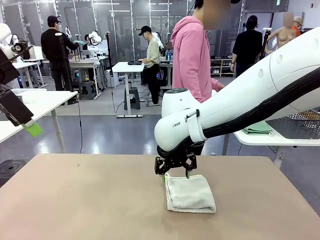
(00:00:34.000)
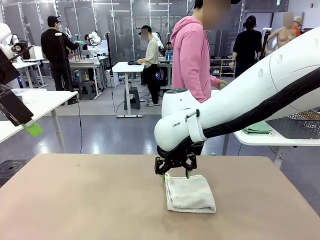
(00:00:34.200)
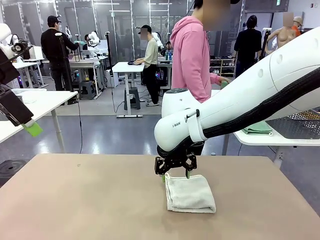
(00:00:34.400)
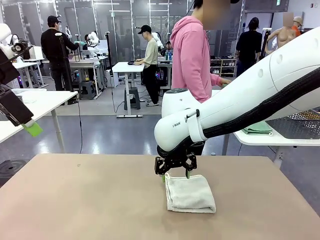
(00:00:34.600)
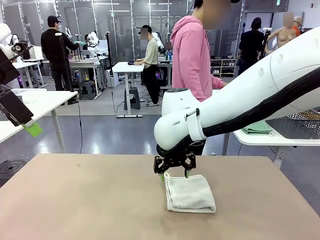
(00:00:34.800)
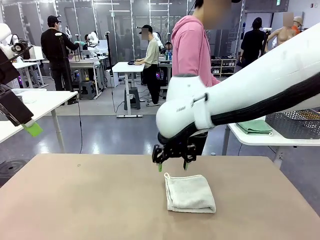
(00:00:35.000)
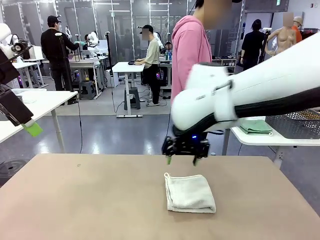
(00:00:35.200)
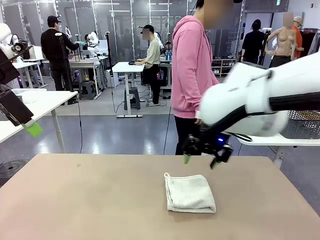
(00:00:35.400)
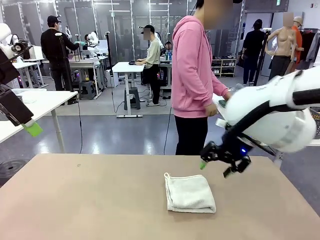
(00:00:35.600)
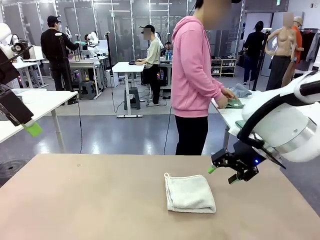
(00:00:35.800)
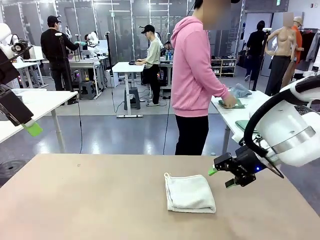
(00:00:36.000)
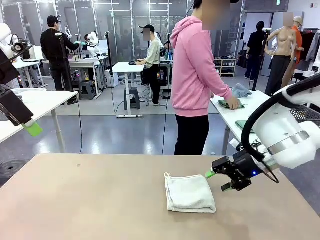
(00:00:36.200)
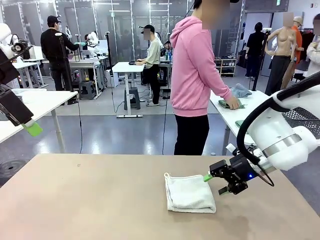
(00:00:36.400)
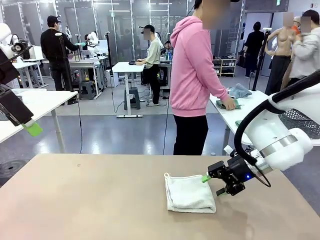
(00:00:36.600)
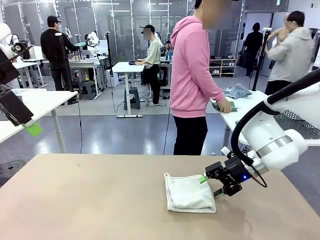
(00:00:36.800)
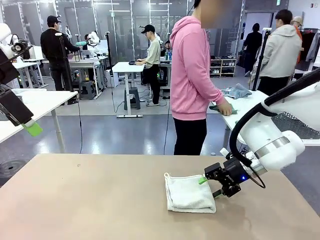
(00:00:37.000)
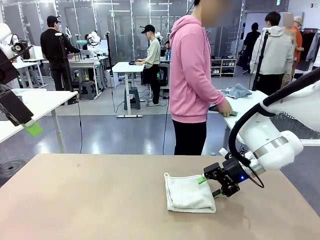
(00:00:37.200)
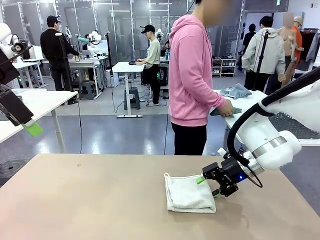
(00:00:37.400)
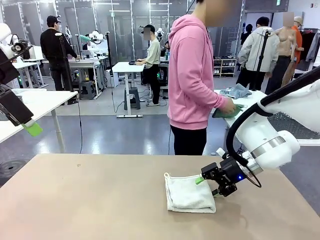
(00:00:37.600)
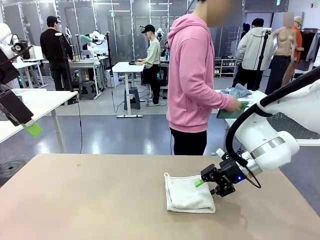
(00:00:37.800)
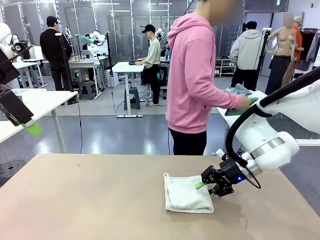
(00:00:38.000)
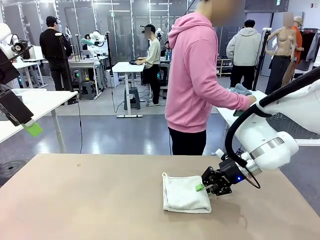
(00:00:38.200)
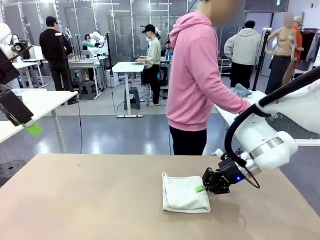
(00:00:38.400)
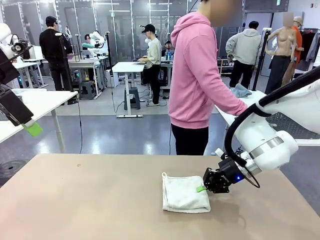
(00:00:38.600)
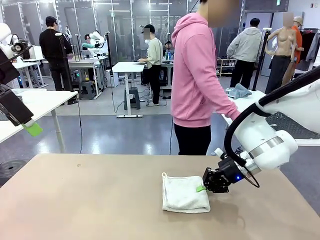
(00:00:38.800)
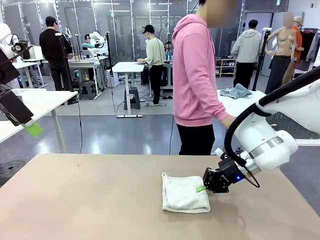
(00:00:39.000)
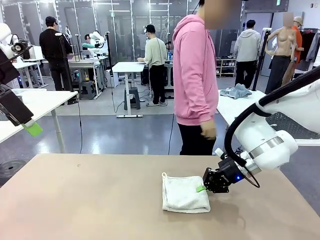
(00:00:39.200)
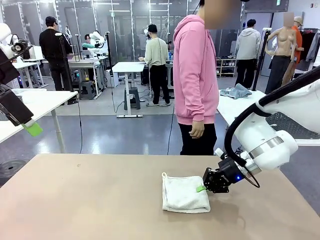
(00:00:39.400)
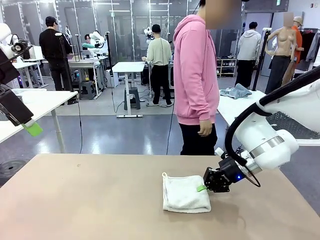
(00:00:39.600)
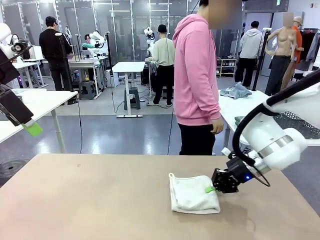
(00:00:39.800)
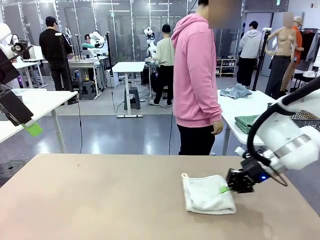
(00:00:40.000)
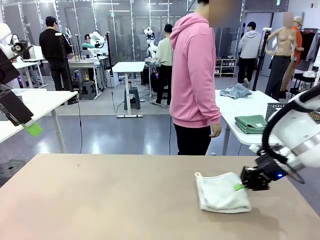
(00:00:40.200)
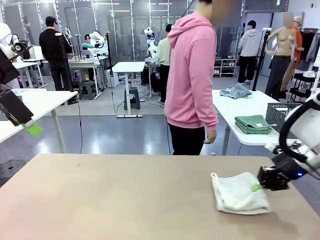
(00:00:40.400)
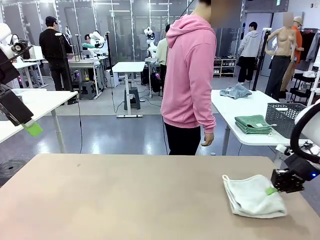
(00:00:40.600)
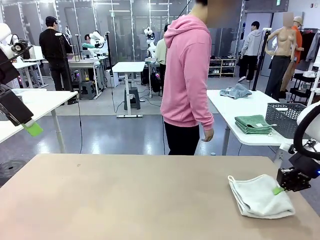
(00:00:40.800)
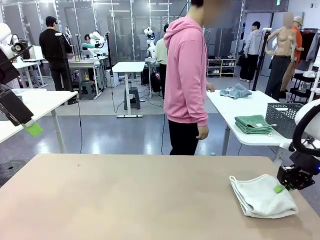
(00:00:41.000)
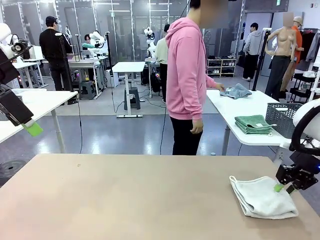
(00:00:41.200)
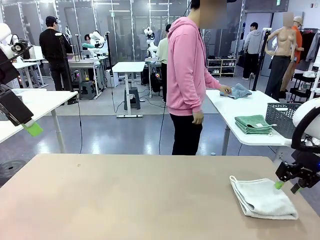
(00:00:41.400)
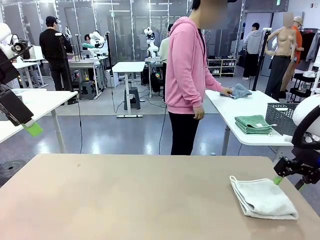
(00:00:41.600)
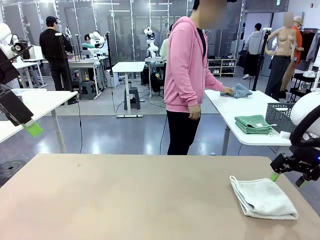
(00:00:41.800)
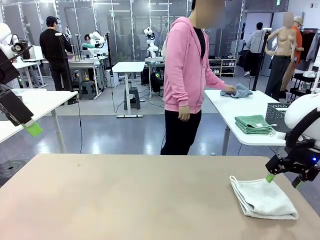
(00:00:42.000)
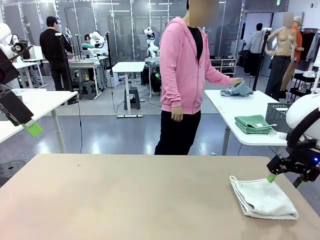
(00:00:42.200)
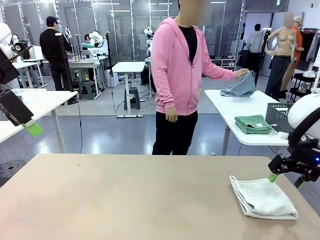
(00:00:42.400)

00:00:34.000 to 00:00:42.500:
Task: Fold the towels and place them in the basket.
Robot: Place the folded Towel with hook on the right side of the table.

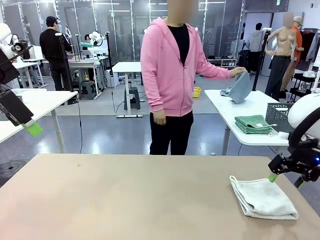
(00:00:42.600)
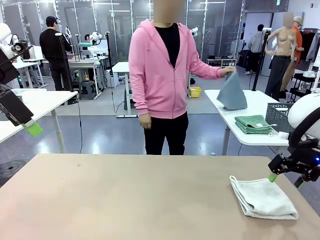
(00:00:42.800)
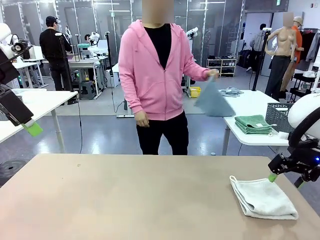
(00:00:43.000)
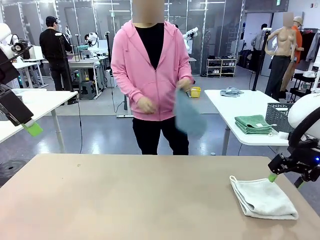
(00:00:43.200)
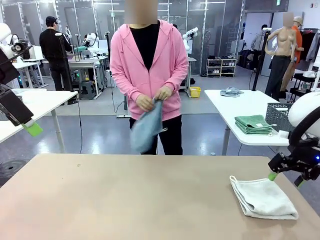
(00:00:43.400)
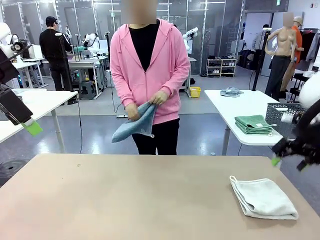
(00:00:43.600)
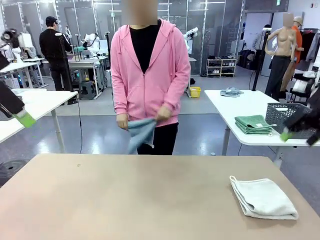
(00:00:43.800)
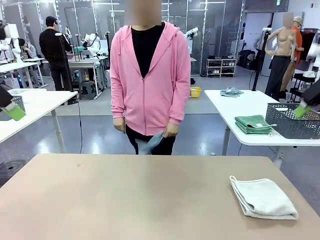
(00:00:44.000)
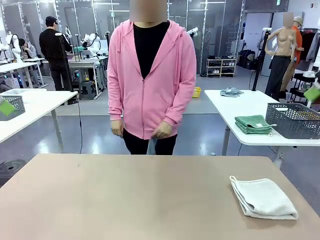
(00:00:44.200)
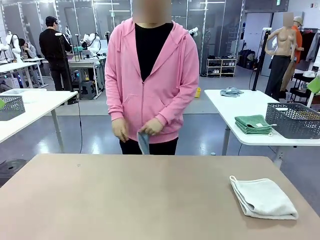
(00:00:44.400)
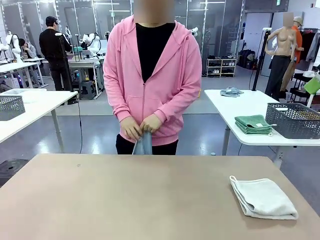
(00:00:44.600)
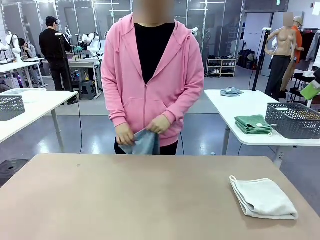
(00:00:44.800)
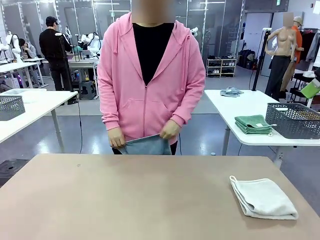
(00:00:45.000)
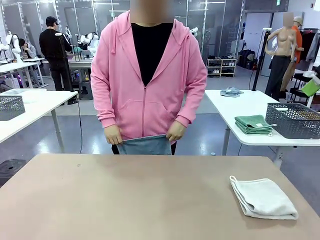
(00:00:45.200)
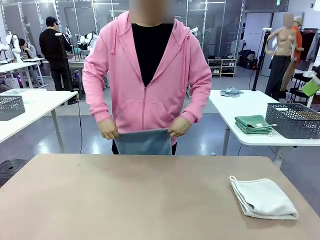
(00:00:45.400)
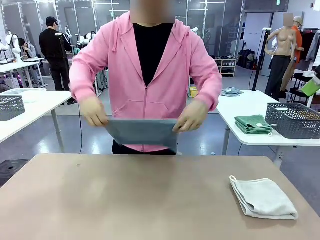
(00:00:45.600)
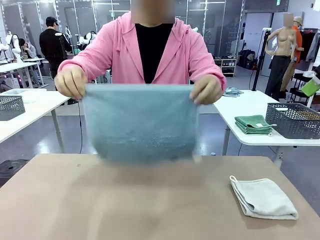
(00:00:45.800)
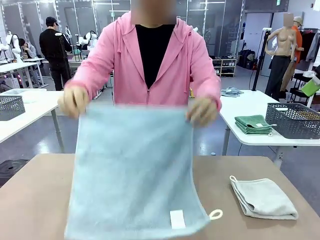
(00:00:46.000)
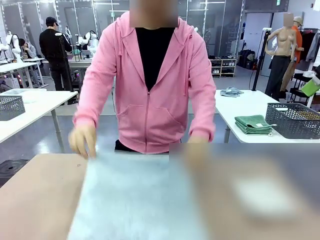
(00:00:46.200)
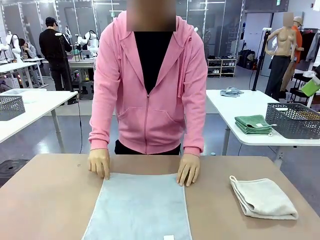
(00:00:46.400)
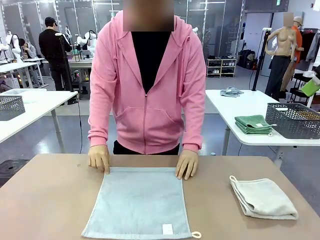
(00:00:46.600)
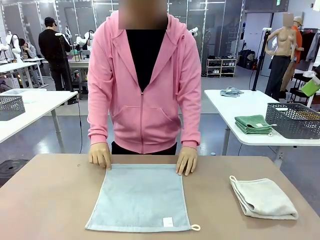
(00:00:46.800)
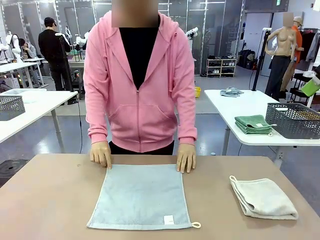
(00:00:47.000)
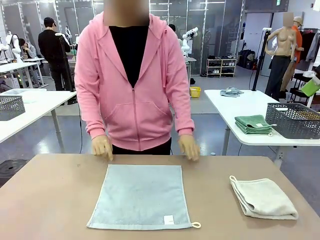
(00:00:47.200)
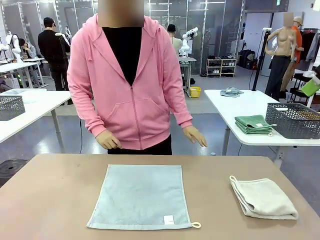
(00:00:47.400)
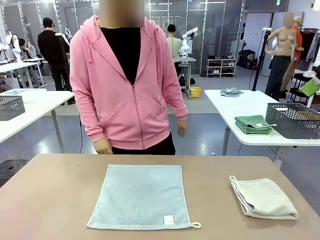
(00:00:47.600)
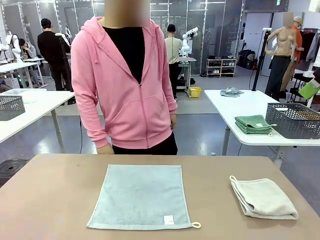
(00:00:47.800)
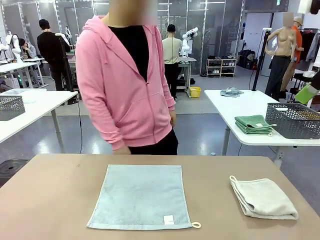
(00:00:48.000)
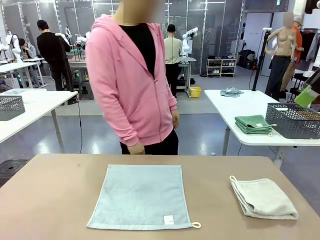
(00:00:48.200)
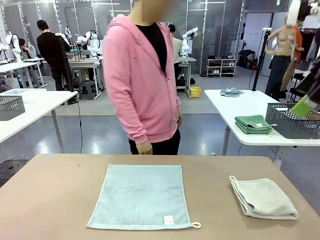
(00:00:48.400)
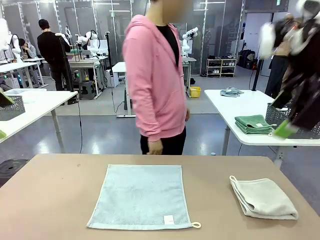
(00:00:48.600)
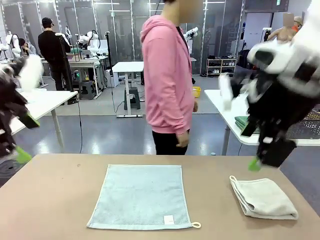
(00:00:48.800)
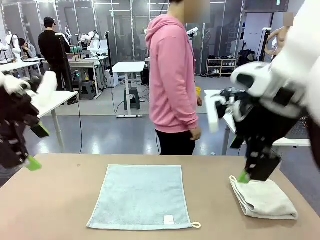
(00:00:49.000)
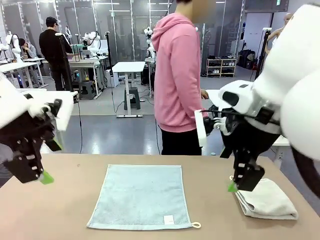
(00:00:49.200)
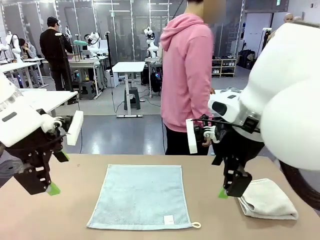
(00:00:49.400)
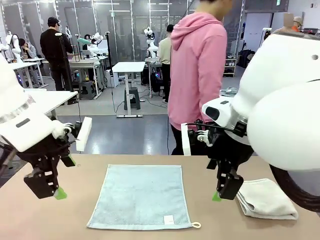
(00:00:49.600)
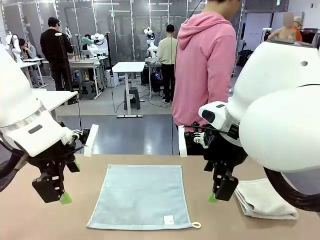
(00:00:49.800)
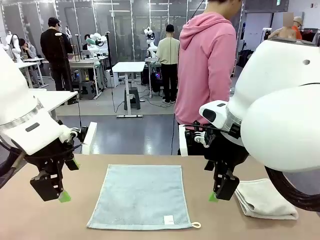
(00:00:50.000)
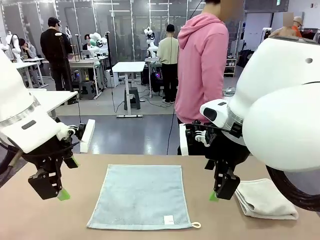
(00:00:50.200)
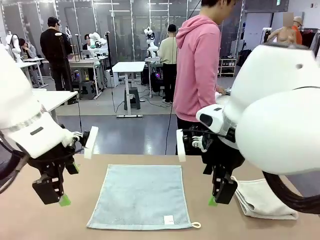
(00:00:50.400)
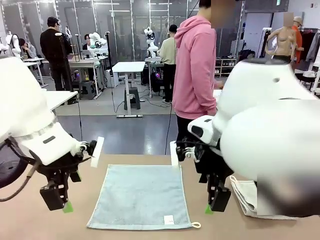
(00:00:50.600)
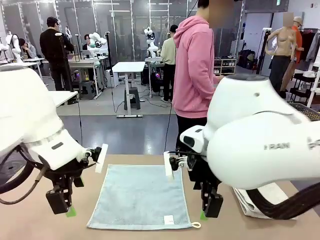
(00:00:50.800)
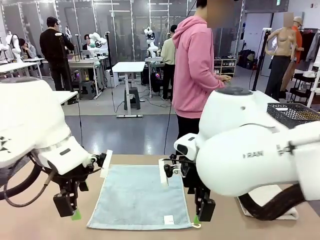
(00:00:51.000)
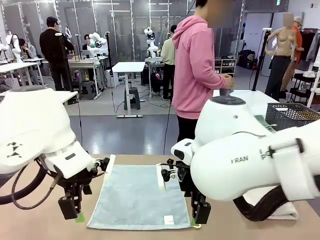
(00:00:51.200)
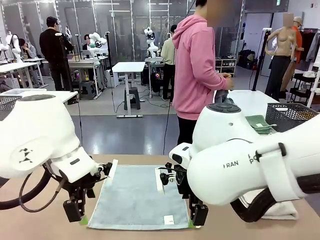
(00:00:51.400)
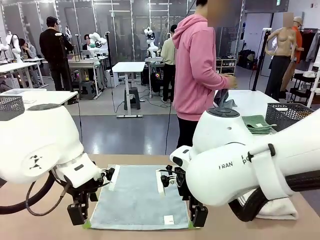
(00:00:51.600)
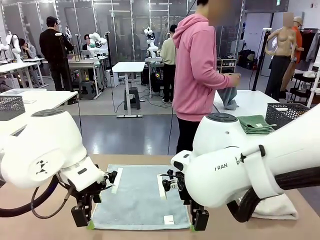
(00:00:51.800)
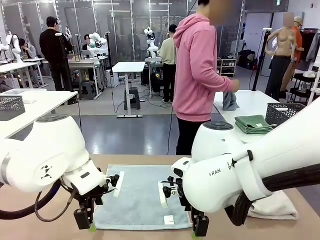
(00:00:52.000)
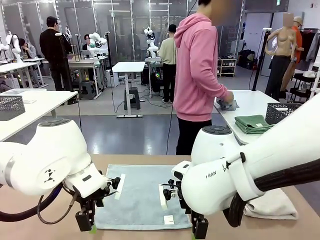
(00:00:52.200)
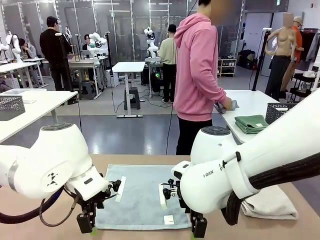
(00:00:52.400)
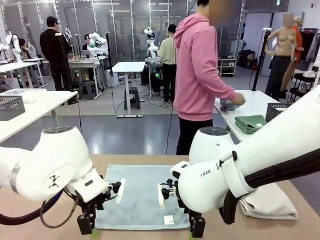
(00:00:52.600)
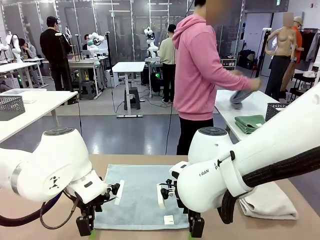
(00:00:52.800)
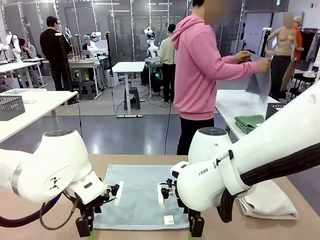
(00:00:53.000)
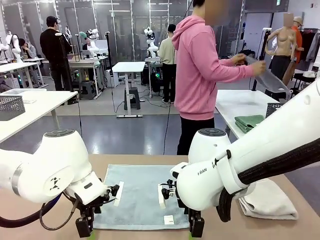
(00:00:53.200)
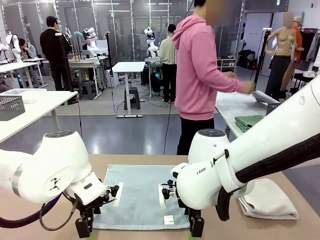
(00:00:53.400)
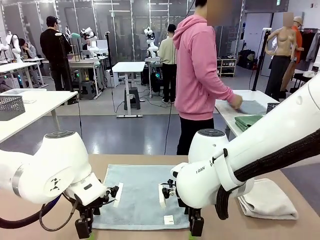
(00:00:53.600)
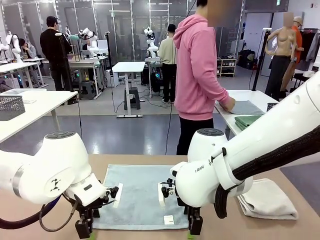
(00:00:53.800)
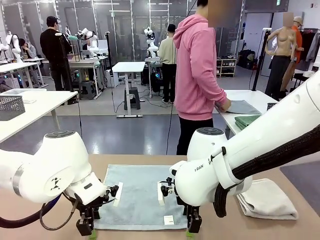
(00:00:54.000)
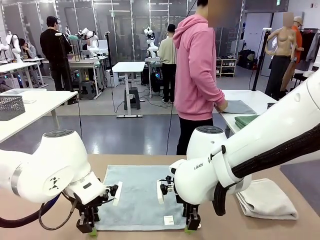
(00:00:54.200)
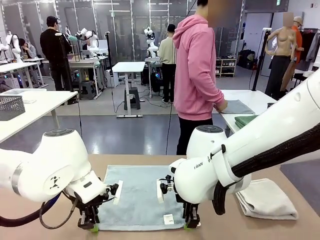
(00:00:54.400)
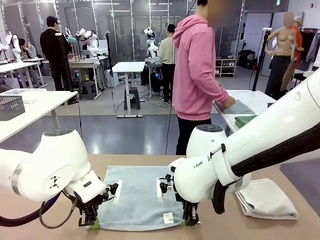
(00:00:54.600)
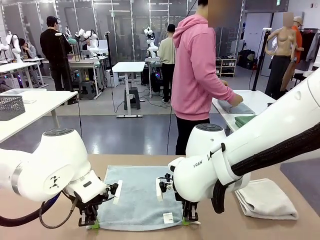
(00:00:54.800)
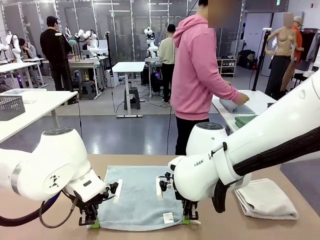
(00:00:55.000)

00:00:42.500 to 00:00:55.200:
Robot: When a person lays out a Towel with hook on the table, fold it in half twice.
Person: Pick up one towel from the left side of the human table and spread it out at the center of the robot table. Pick up one towel from the left side of the human table, fold it in half twice, and stack it on the right side of the table.
